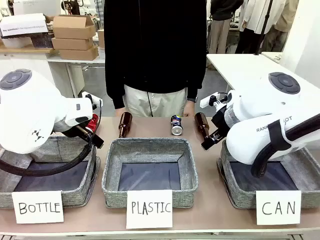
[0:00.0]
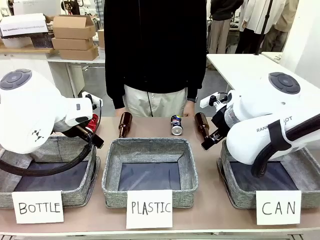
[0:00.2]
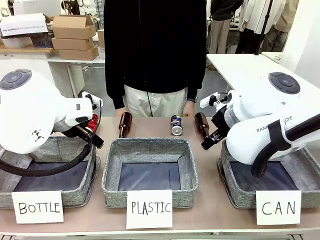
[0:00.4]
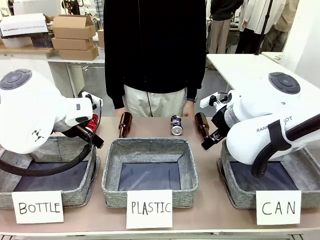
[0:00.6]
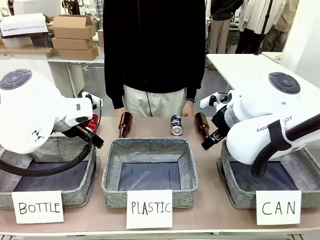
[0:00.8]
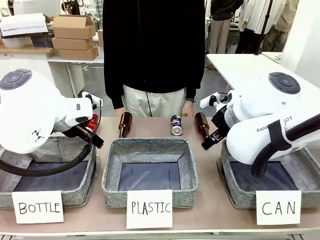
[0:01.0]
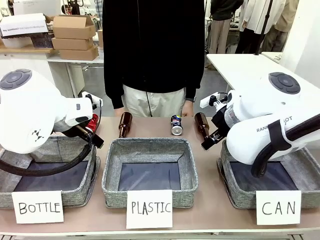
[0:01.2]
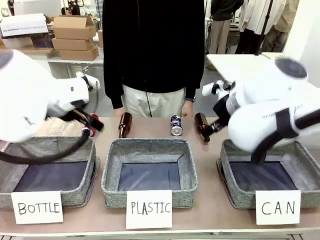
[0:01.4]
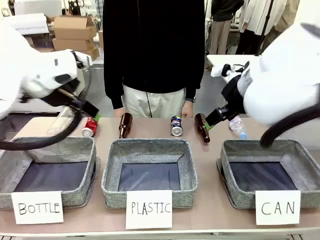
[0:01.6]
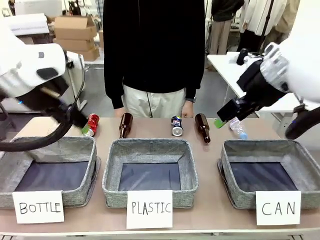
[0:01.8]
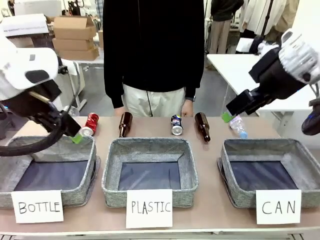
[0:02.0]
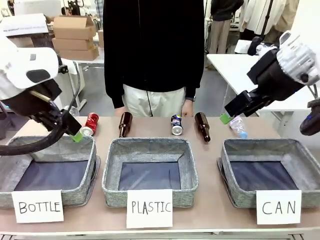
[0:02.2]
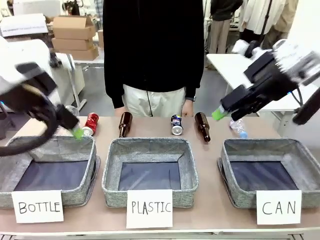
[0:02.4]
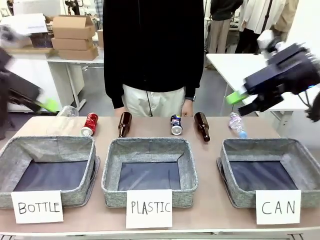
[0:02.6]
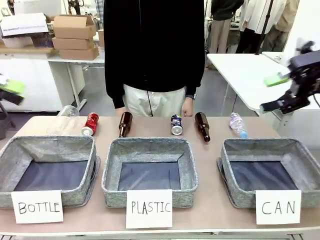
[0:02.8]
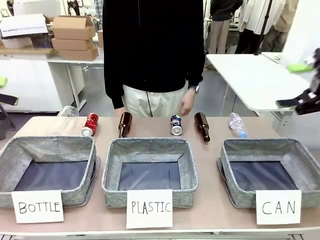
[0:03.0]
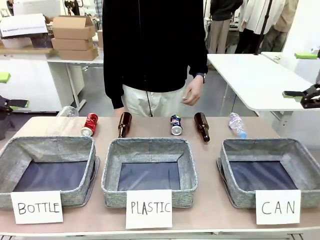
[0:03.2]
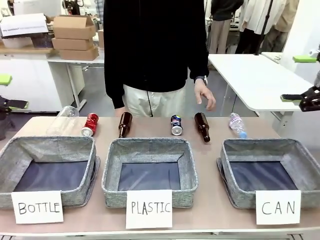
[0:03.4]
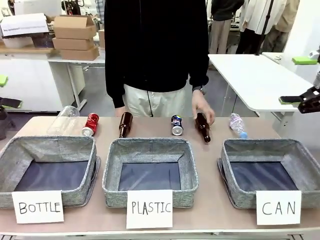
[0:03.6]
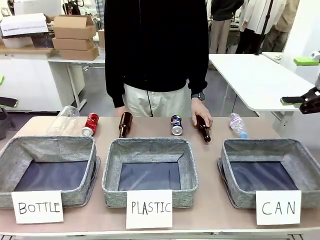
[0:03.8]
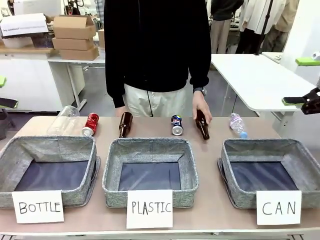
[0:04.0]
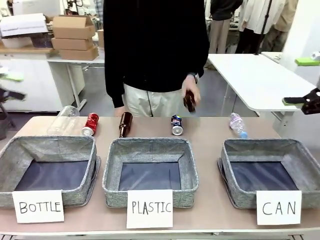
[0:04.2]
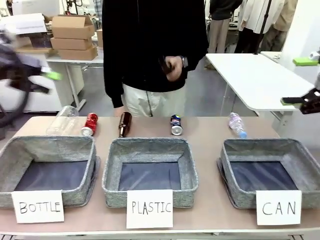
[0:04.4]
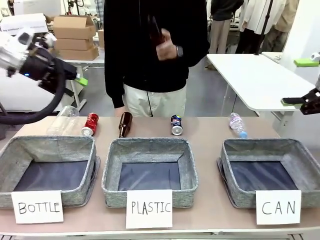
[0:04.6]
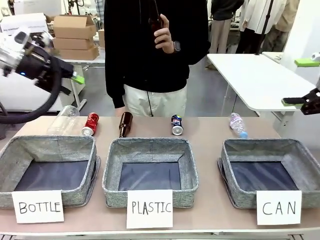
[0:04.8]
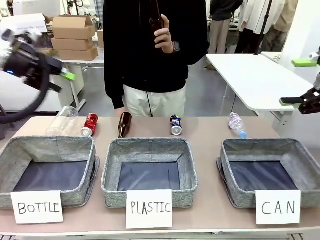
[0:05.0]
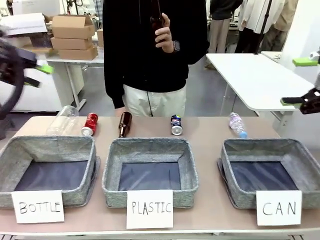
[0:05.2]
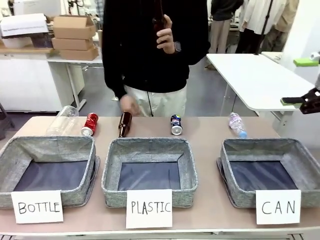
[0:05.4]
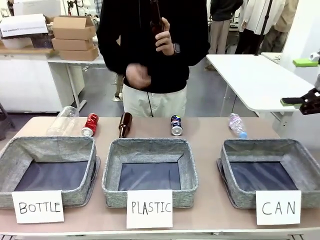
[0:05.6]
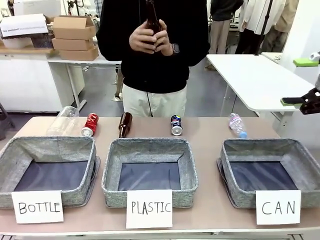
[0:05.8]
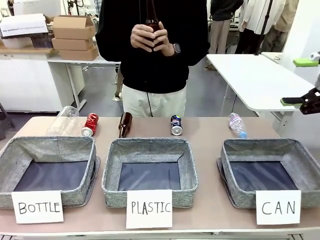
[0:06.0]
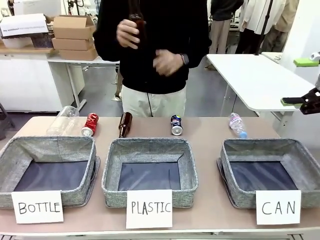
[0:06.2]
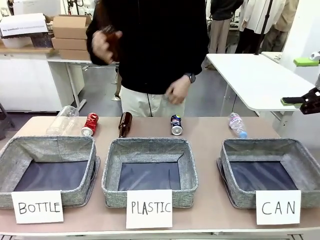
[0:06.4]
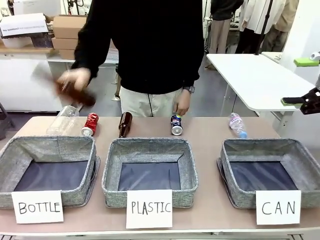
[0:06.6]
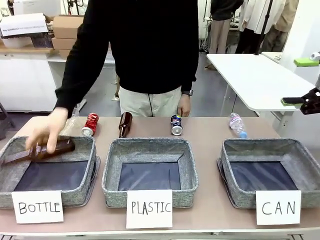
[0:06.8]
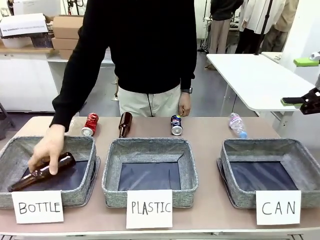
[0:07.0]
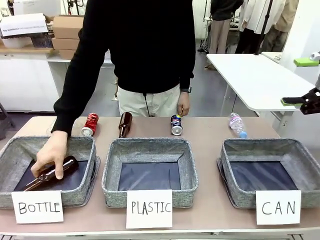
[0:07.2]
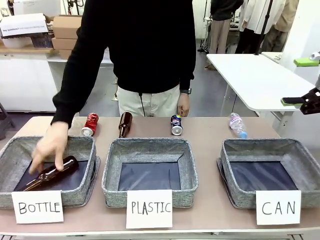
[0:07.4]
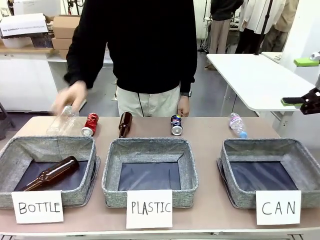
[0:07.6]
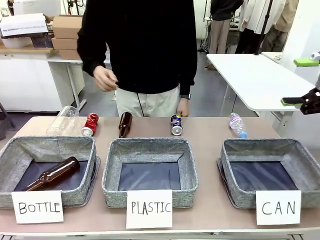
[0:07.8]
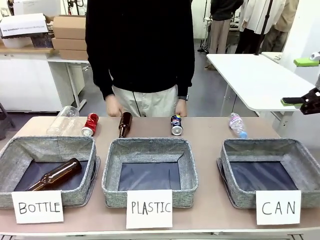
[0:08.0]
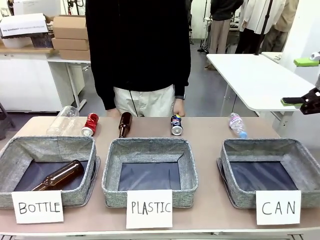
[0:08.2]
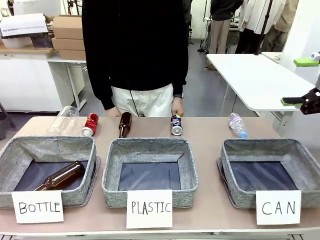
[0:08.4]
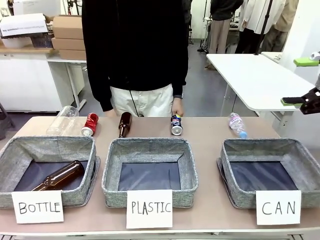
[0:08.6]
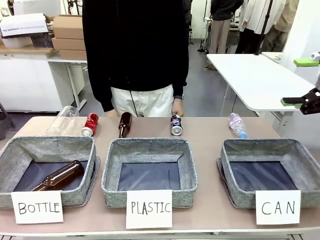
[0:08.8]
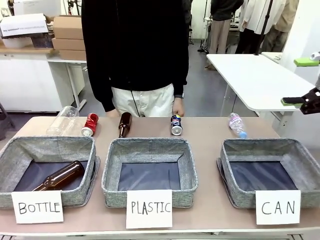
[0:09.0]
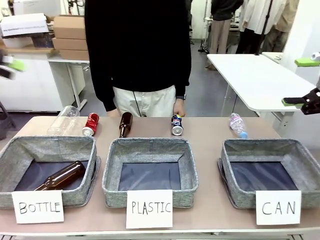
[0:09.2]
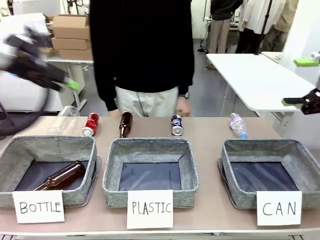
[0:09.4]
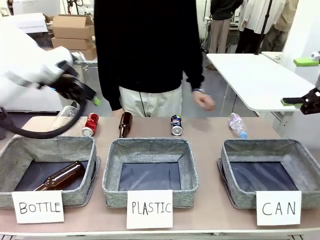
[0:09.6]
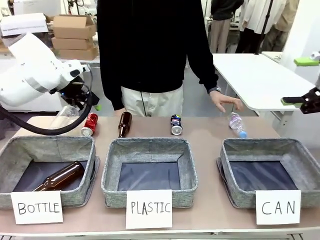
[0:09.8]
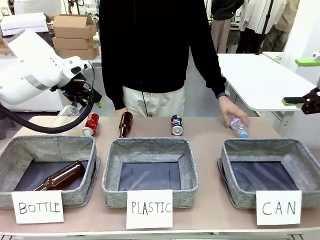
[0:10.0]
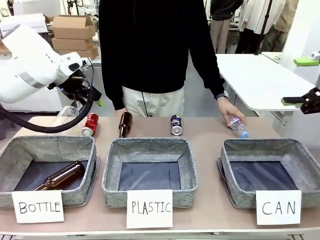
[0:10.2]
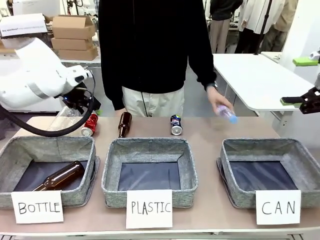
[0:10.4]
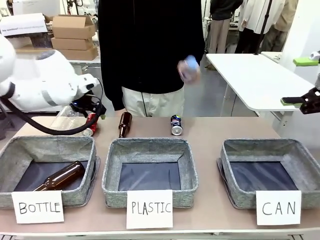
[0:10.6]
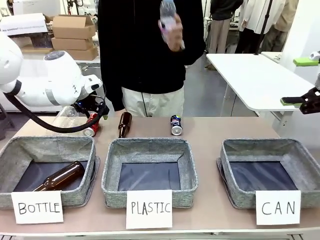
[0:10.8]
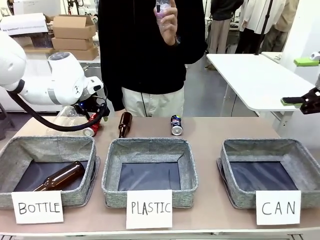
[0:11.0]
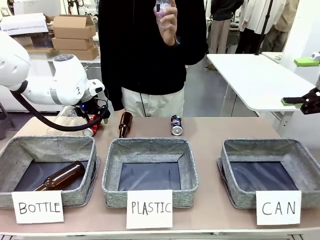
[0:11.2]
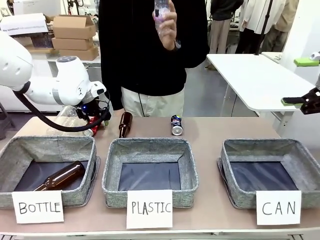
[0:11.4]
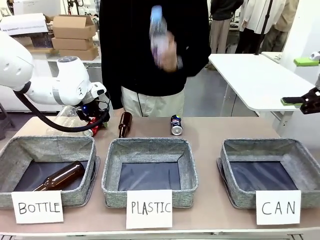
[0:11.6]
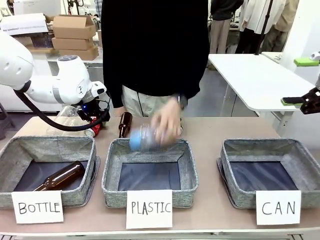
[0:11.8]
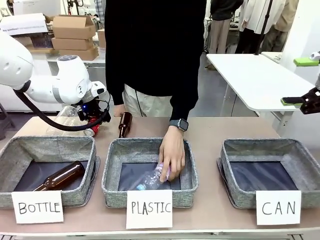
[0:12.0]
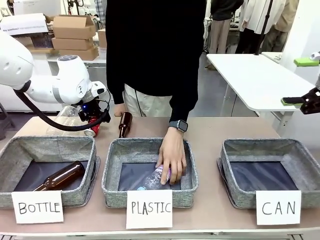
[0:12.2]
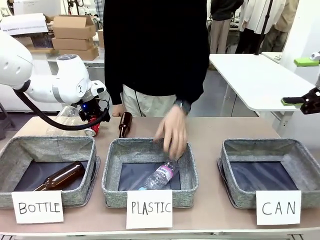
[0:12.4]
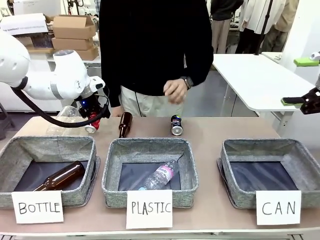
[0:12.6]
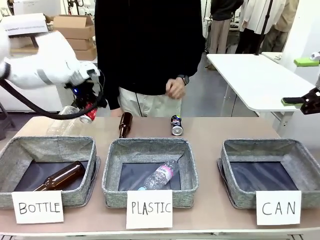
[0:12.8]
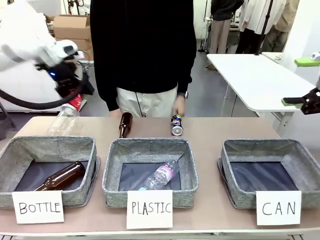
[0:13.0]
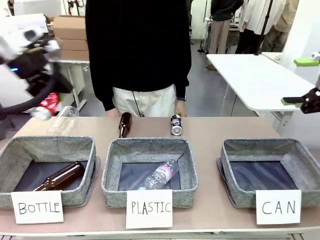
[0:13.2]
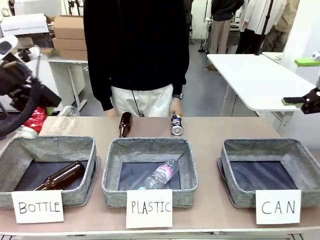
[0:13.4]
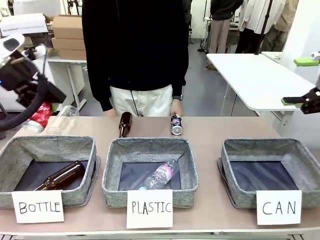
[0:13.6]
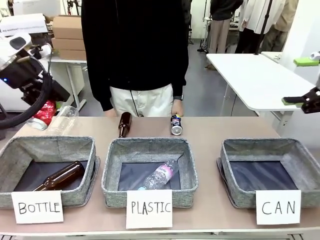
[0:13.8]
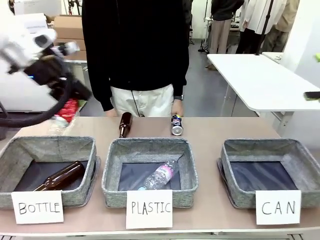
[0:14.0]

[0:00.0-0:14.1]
Task: Sort the can waste into the basket.
Robot: Pick up the can waste from the table and place it in the right Fabric basket.
